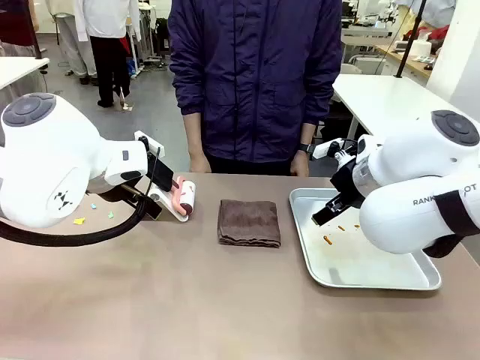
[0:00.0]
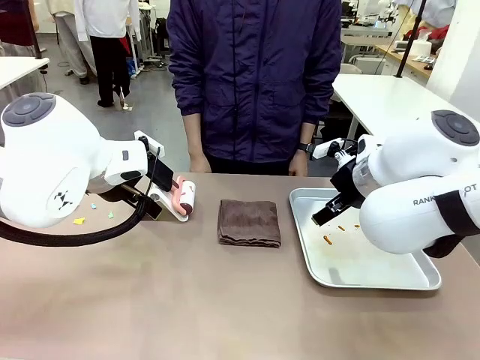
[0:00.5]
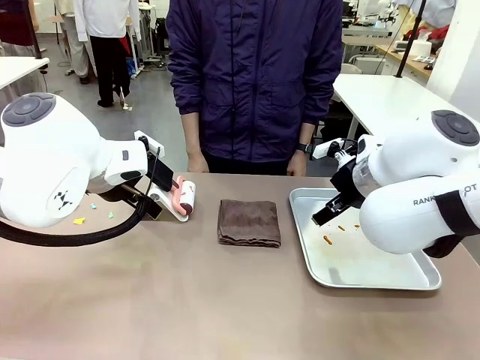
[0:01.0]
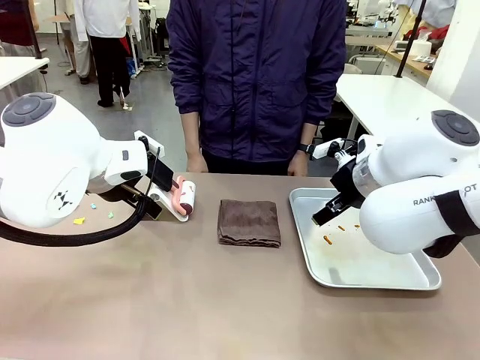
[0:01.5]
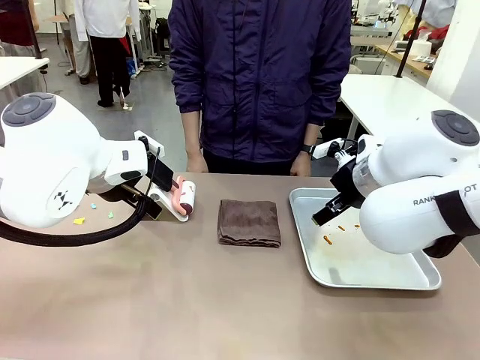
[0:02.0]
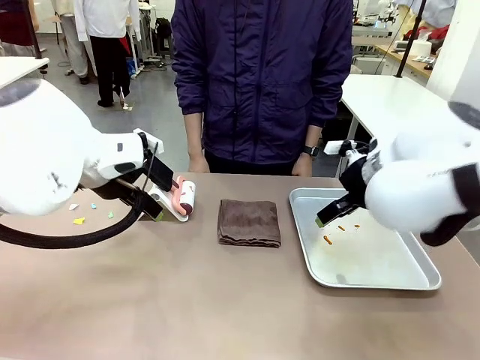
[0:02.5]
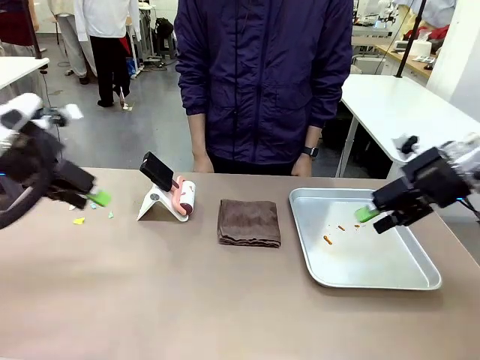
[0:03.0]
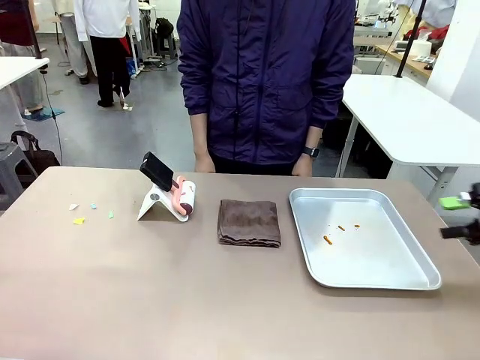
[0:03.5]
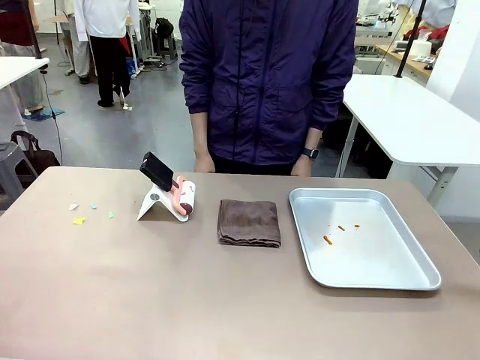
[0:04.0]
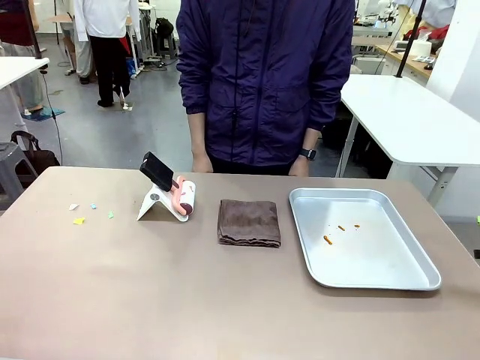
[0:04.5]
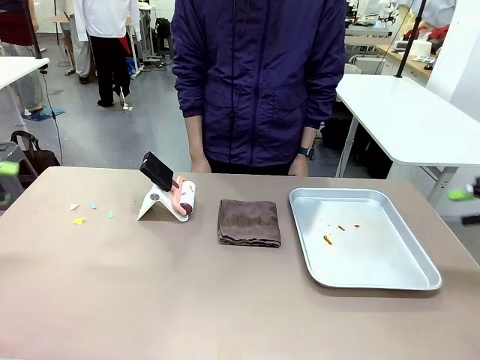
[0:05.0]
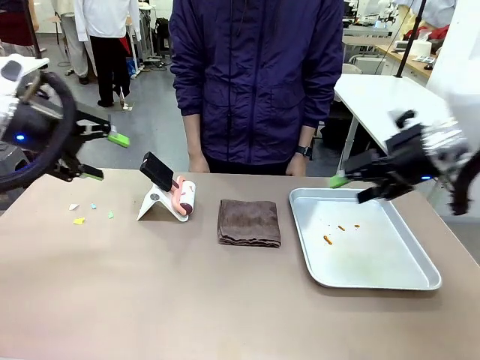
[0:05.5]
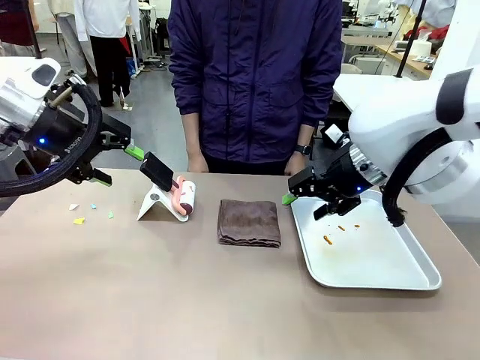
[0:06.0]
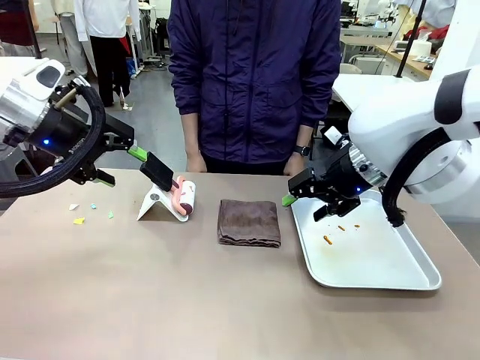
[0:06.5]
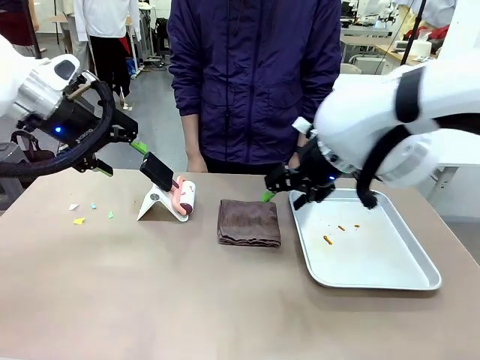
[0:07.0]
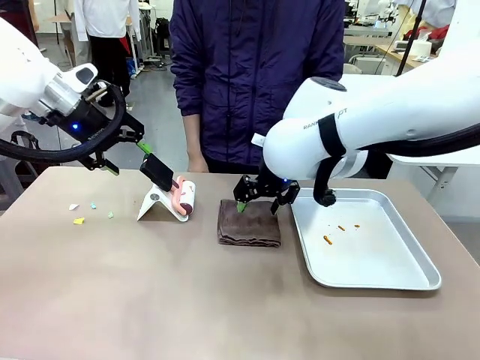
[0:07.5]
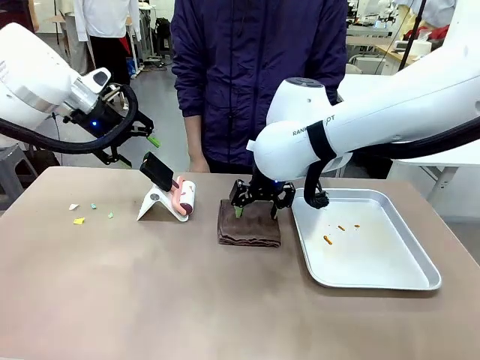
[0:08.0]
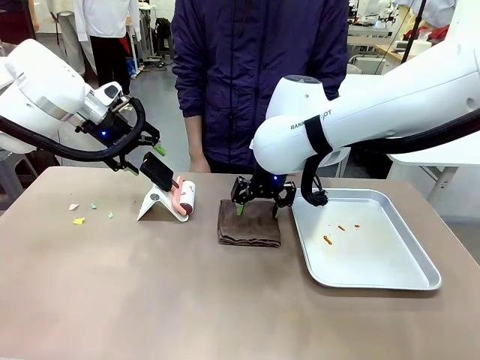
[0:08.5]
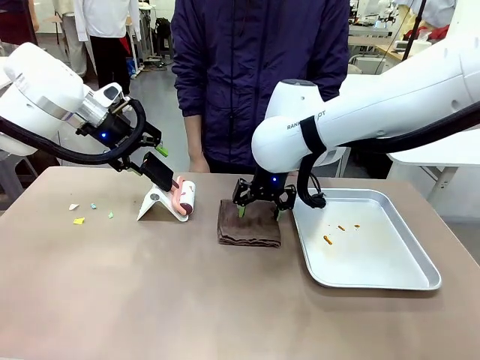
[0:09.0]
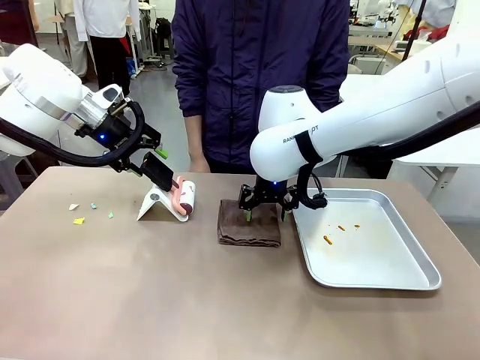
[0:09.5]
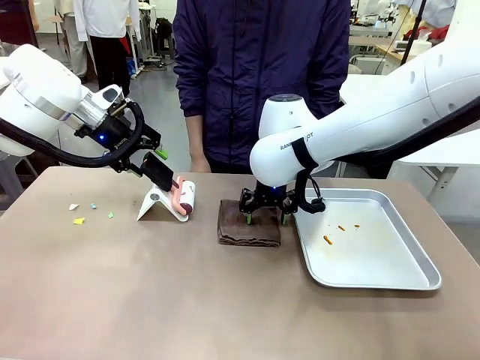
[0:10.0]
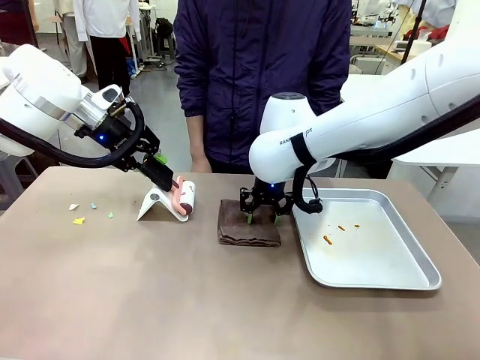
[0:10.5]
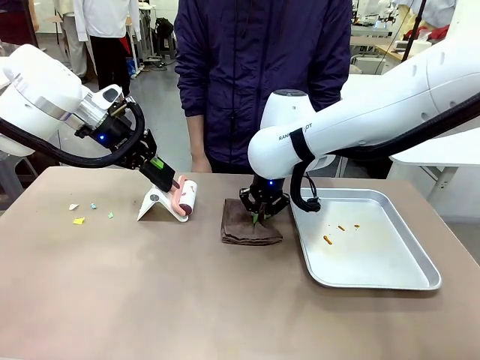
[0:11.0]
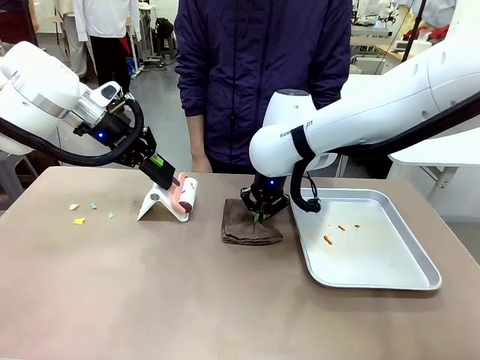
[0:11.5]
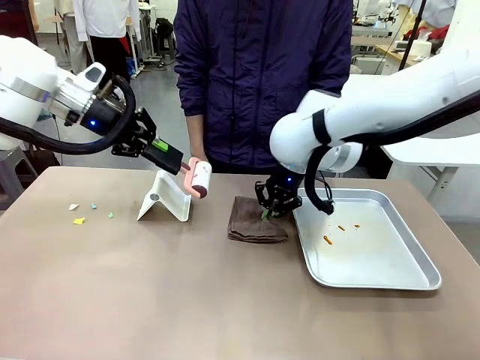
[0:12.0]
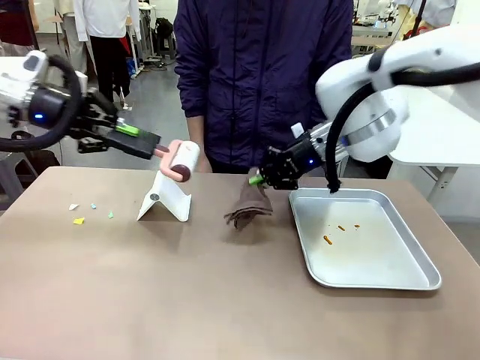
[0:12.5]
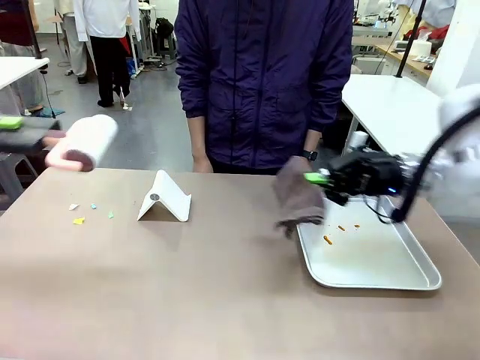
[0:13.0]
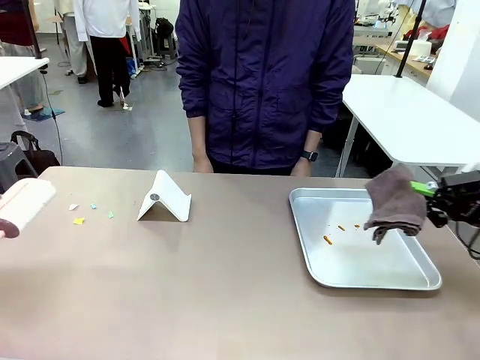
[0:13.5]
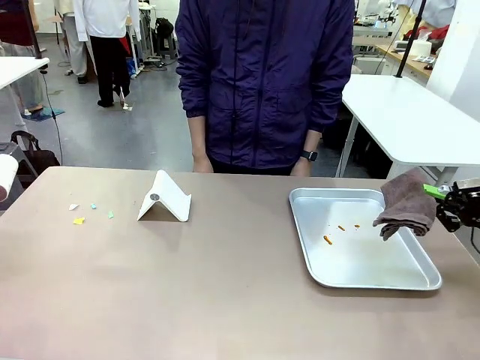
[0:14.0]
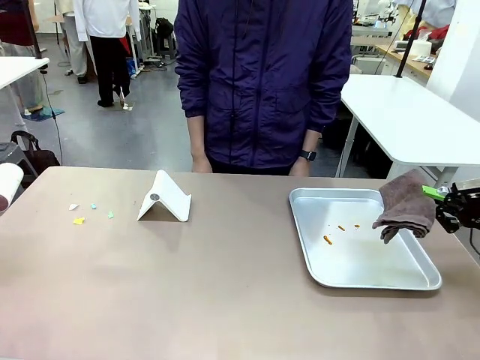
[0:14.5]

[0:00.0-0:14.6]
Task: Clean the surface of the table.
Robot: Hold the Lint Roller with your left hand and the towel with your right hand.

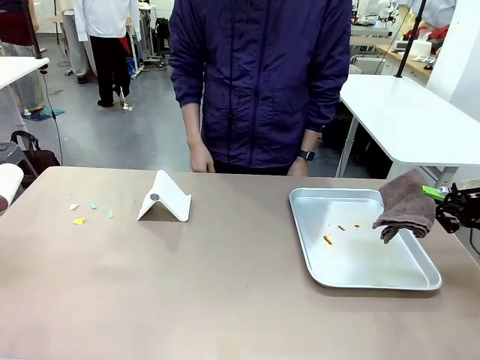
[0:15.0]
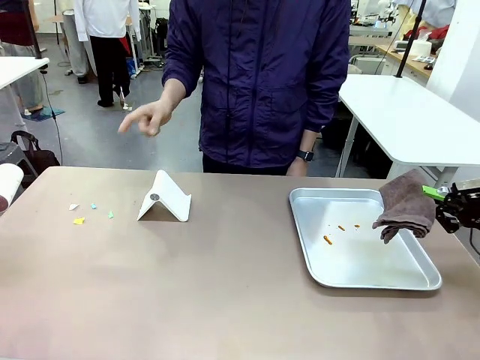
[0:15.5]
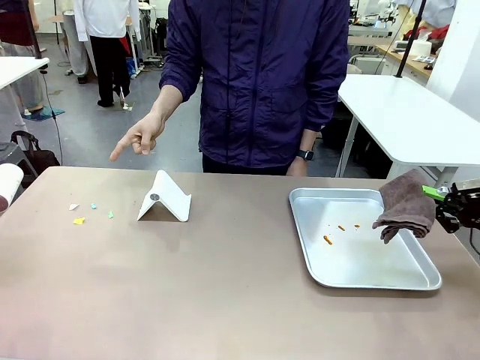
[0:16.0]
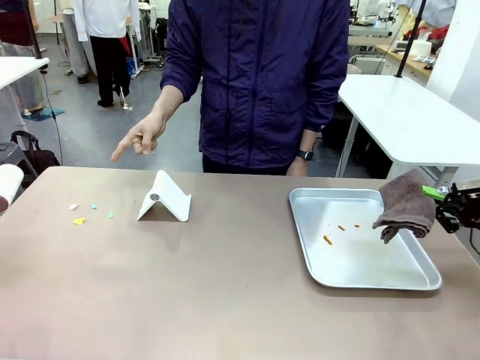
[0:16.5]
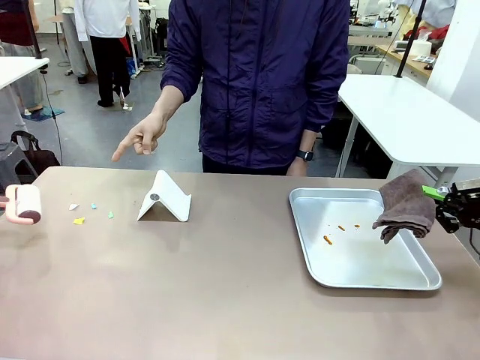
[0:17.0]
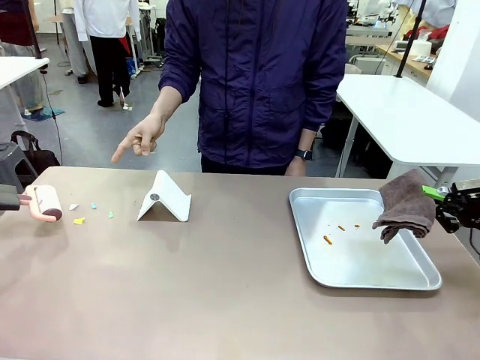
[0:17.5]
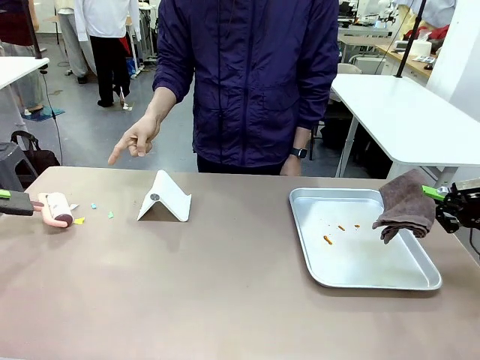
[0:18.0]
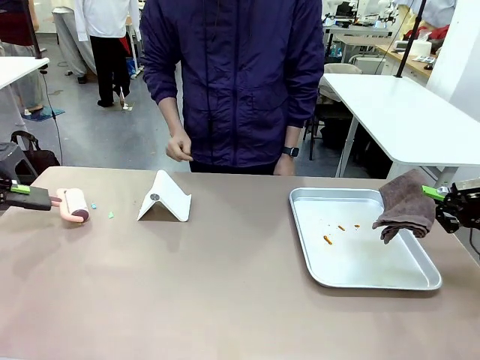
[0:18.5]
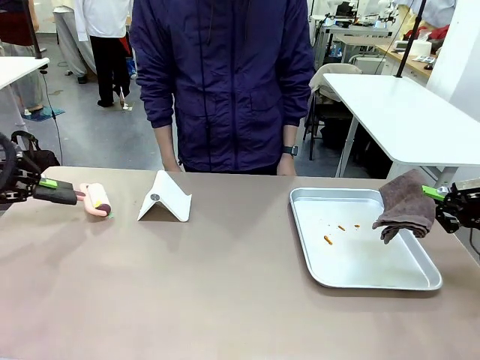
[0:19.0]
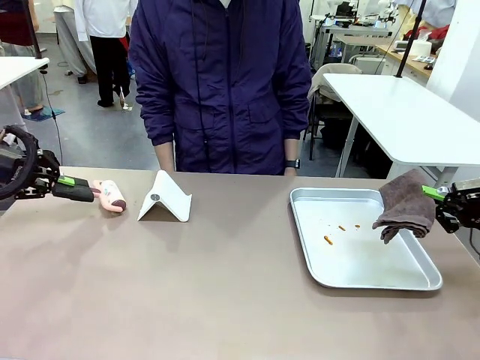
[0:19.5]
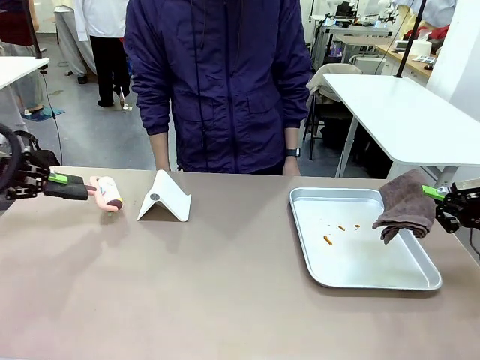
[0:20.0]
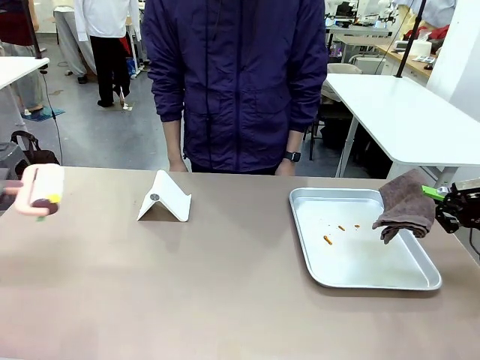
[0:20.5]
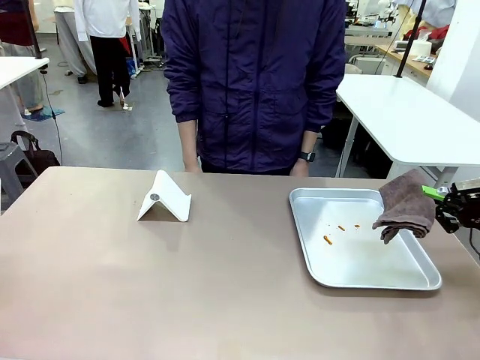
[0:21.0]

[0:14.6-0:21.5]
Robot: If a person points to the right, clean the right side of the table with your right hand, and if they point to the left, clean the left side with your left hand.
